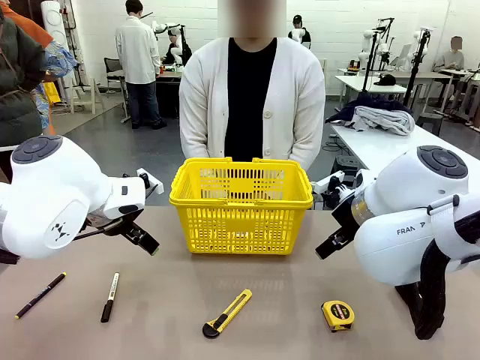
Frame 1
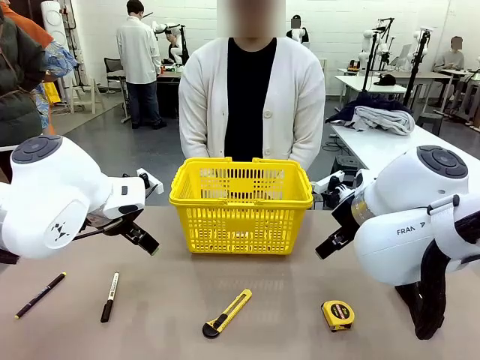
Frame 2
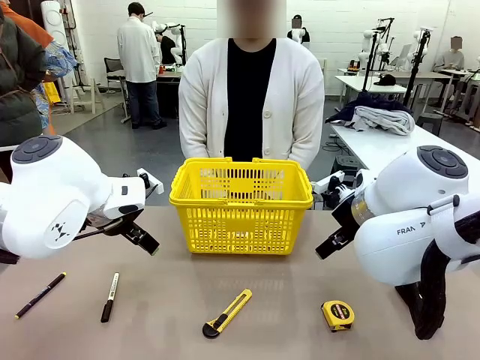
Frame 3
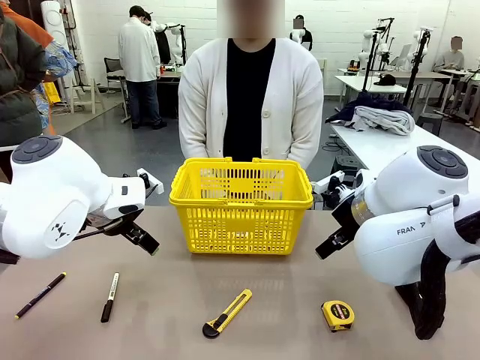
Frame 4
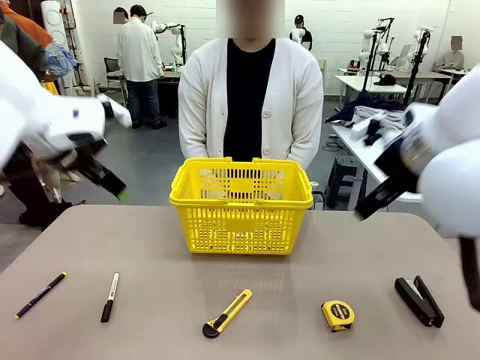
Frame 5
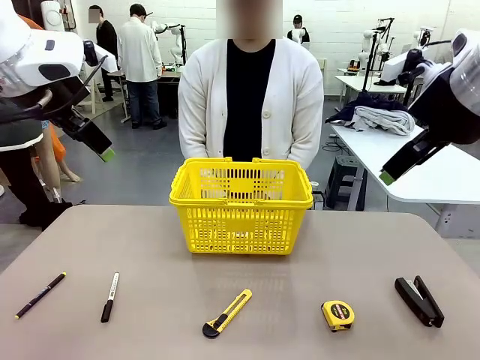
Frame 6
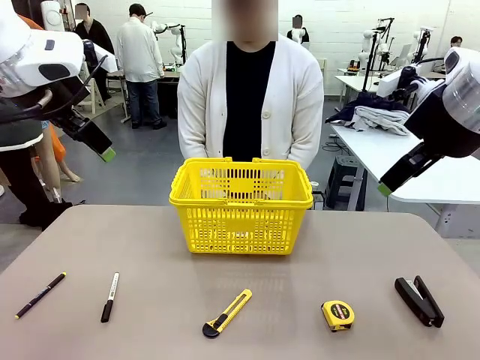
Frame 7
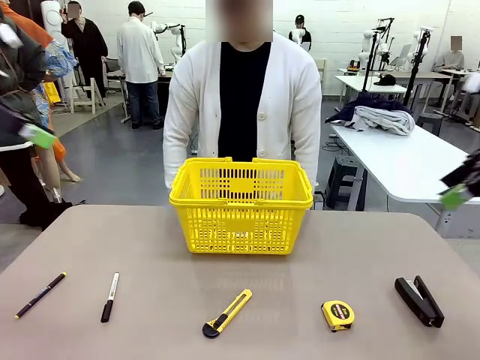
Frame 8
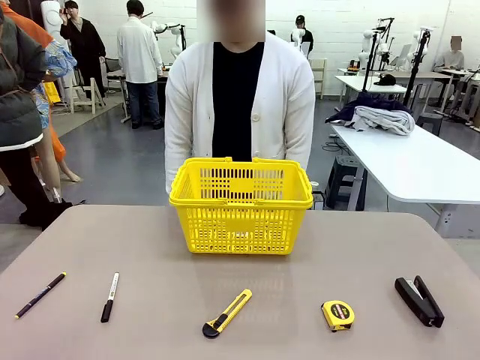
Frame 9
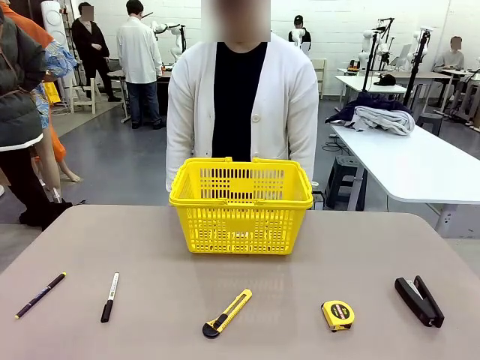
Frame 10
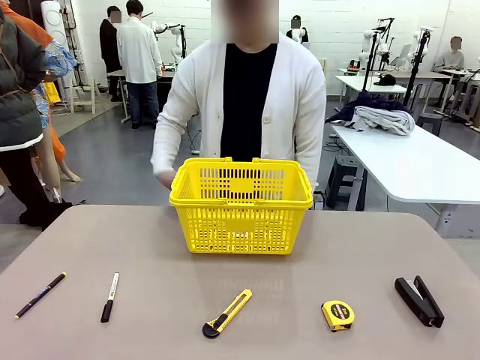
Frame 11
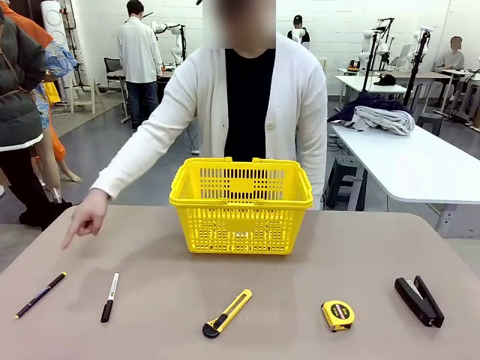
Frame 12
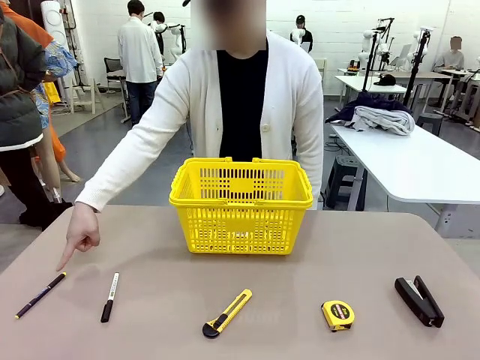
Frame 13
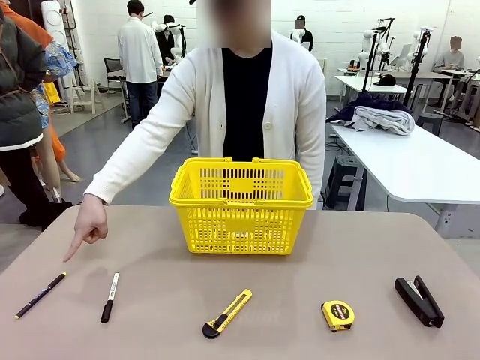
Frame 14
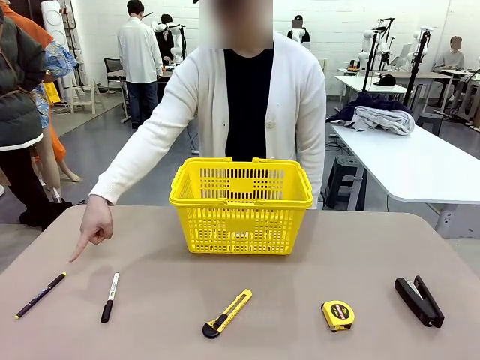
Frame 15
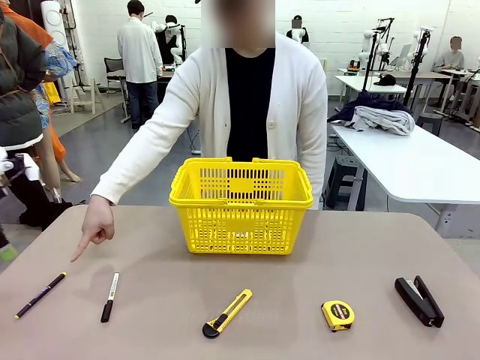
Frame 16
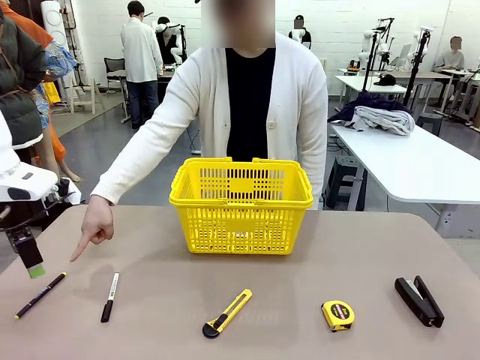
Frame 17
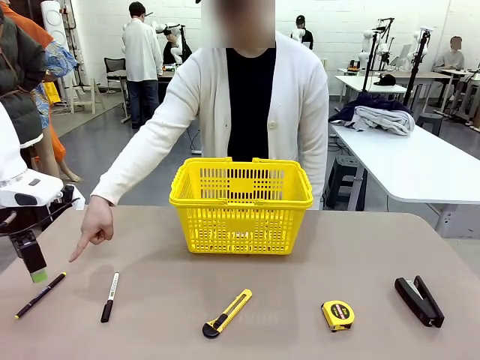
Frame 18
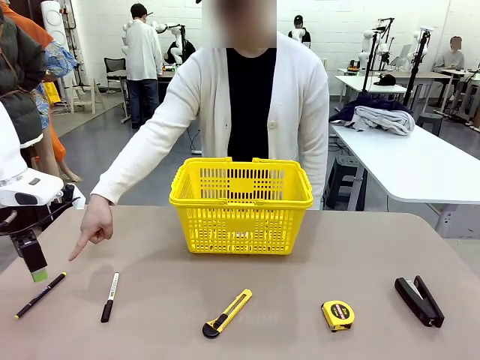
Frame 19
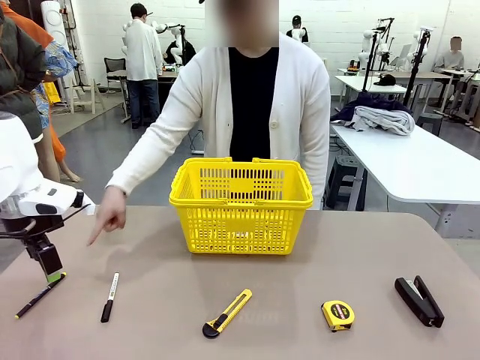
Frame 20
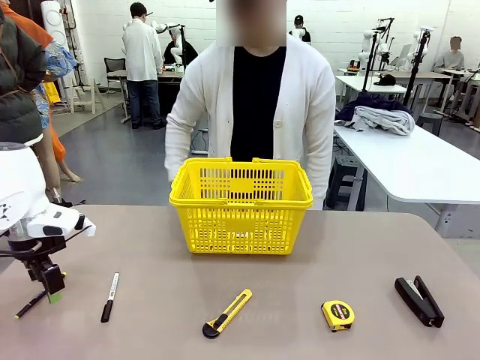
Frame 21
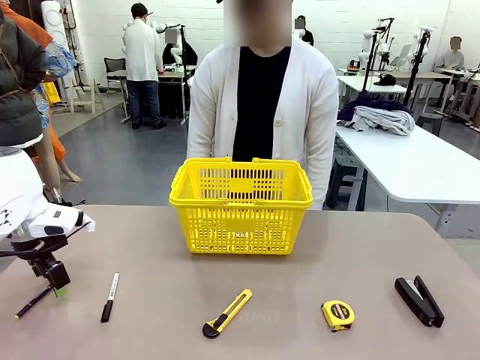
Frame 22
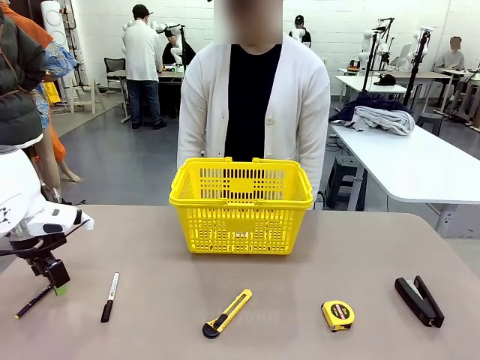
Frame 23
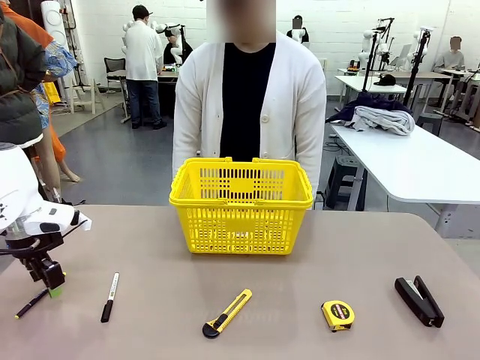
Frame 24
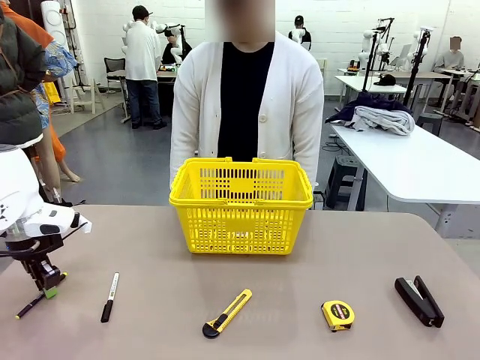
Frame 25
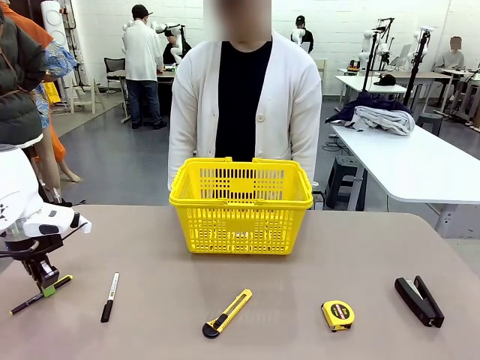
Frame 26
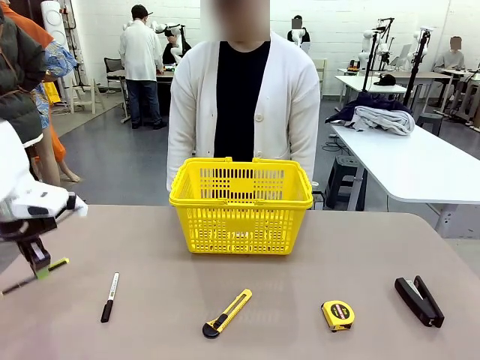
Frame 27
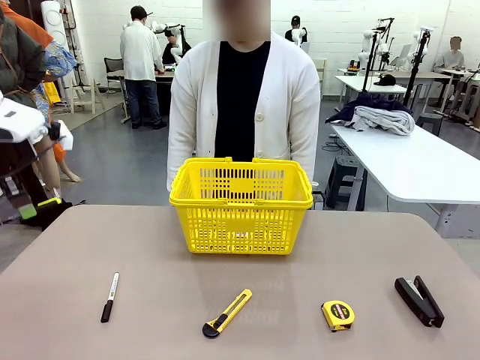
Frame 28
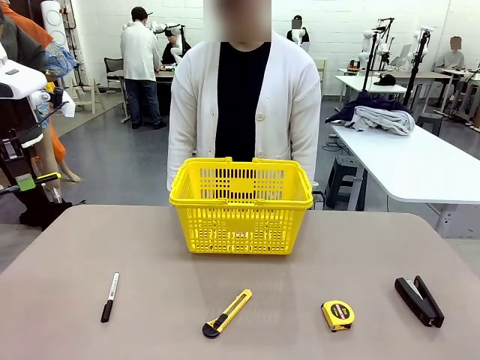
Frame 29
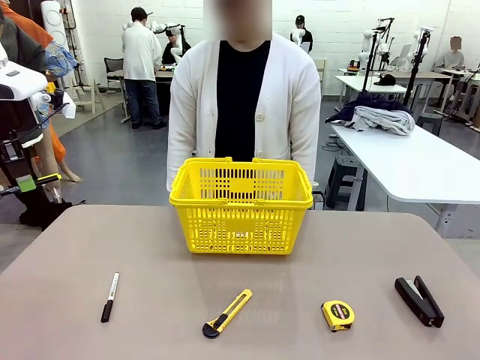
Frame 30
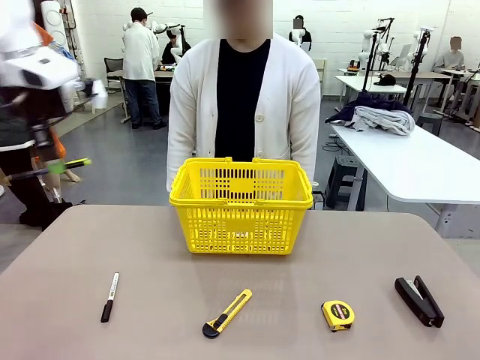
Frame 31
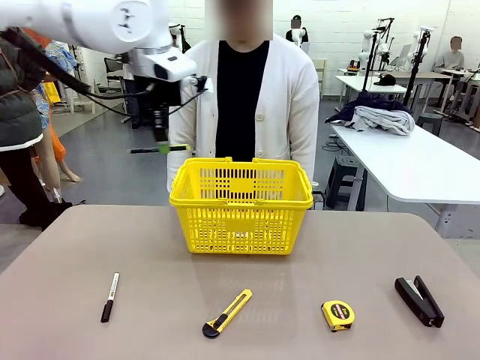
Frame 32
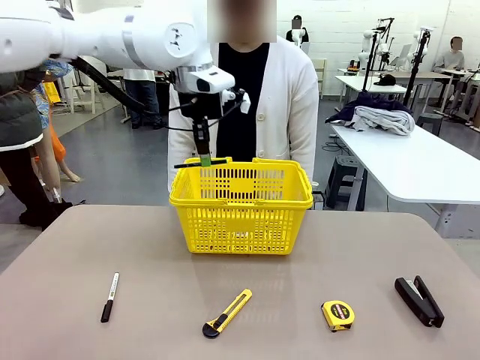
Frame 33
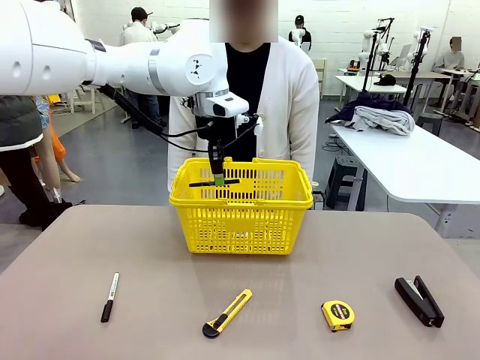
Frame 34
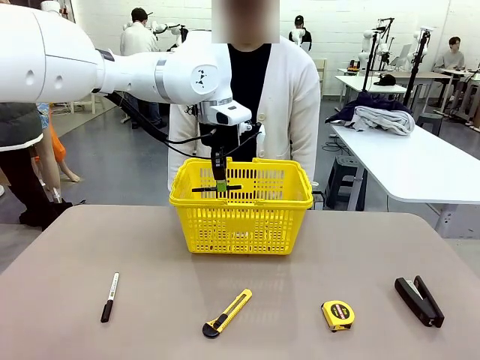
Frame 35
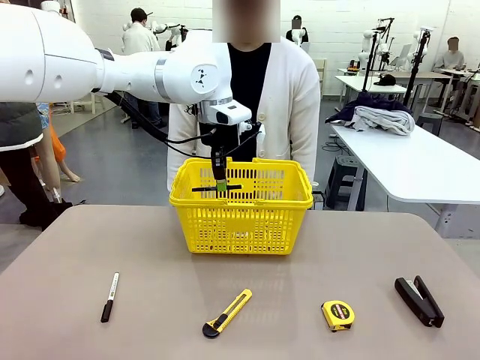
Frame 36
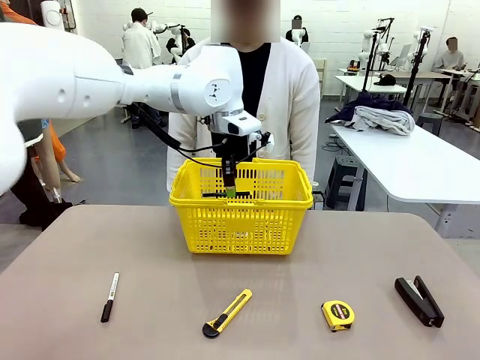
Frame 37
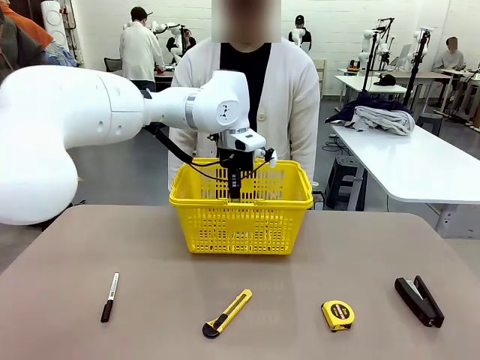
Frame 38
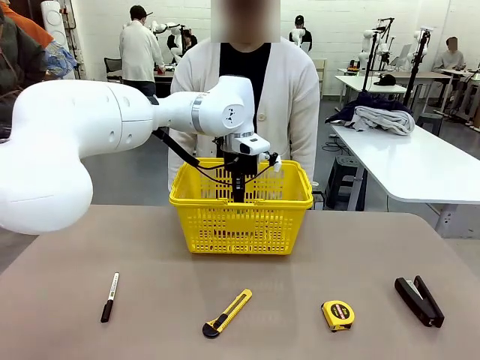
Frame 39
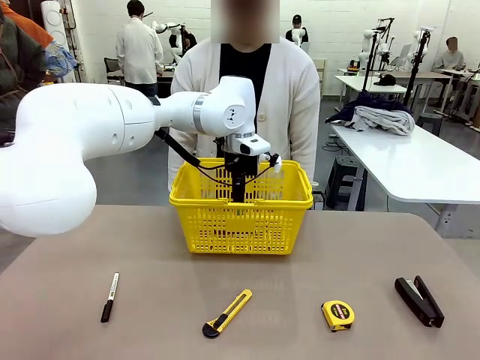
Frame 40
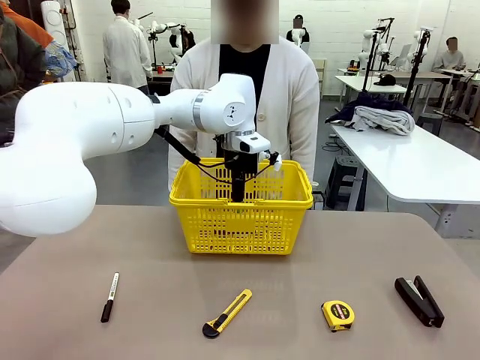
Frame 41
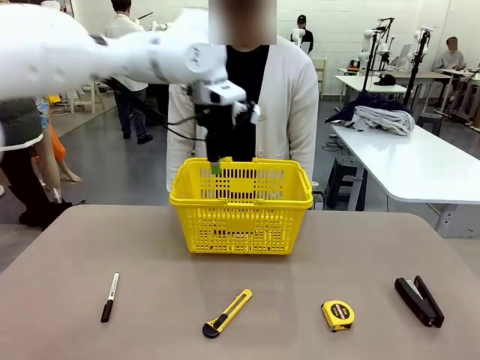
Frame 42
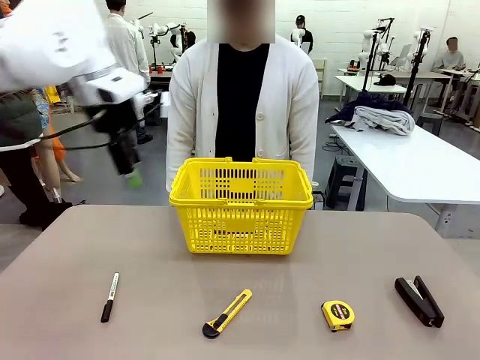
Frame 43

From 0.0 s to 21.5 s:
Task: Place the items the person wants into the basket.
Robot: Pick up the item the person points to and place it in the Market Basket.
